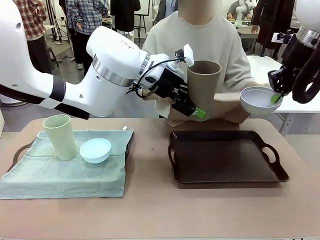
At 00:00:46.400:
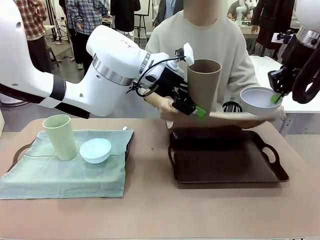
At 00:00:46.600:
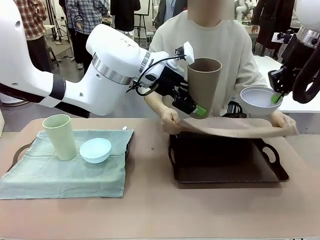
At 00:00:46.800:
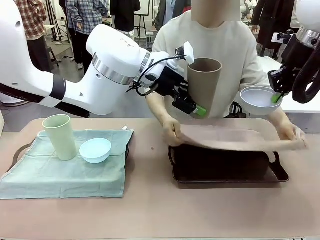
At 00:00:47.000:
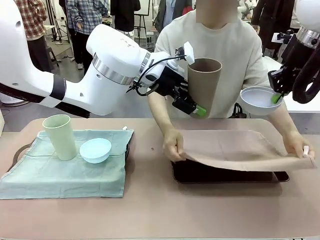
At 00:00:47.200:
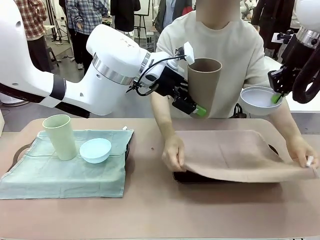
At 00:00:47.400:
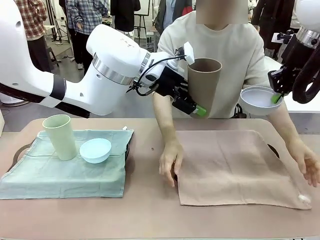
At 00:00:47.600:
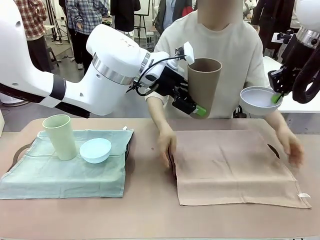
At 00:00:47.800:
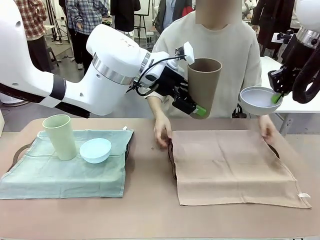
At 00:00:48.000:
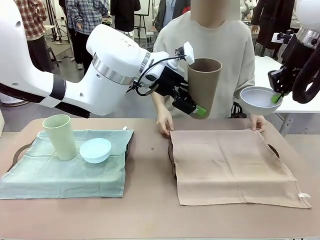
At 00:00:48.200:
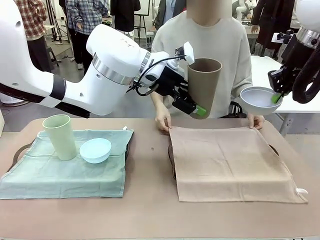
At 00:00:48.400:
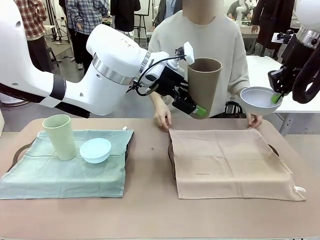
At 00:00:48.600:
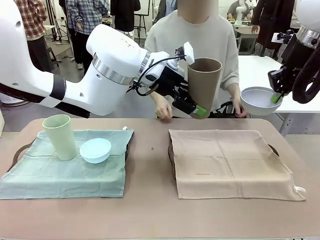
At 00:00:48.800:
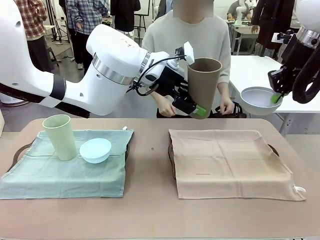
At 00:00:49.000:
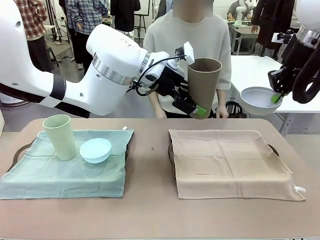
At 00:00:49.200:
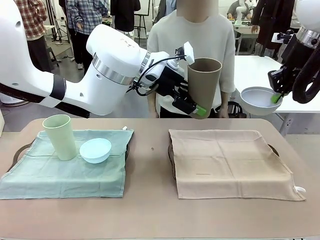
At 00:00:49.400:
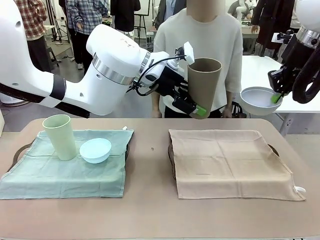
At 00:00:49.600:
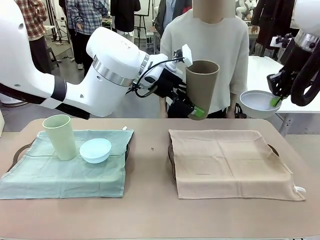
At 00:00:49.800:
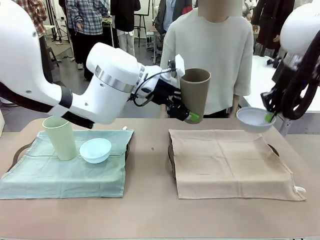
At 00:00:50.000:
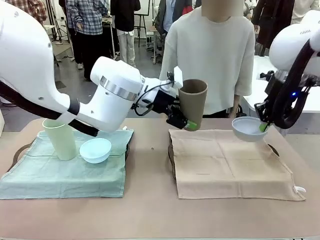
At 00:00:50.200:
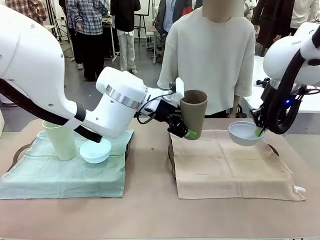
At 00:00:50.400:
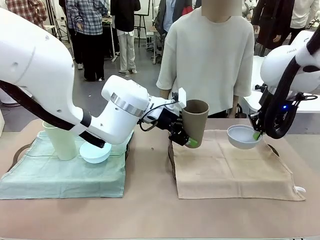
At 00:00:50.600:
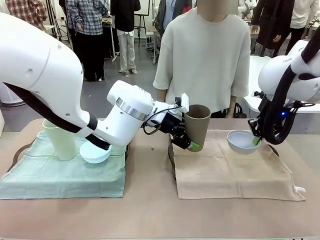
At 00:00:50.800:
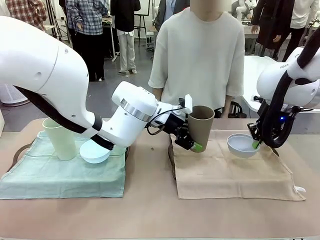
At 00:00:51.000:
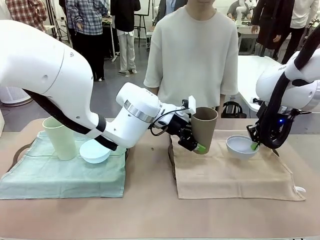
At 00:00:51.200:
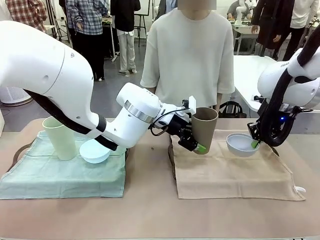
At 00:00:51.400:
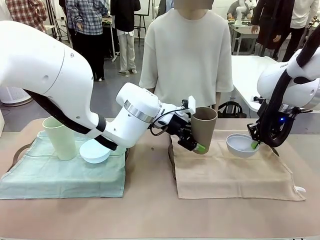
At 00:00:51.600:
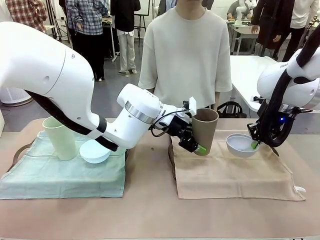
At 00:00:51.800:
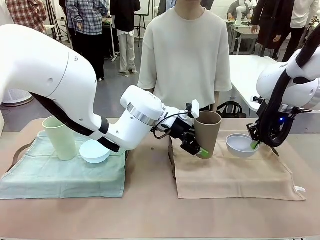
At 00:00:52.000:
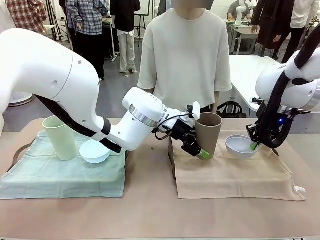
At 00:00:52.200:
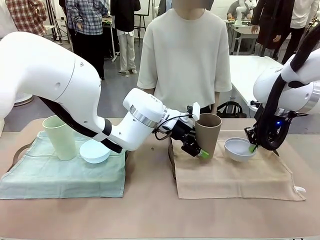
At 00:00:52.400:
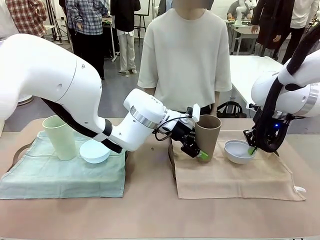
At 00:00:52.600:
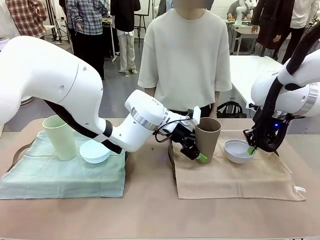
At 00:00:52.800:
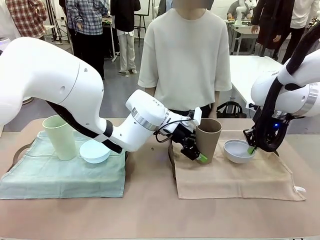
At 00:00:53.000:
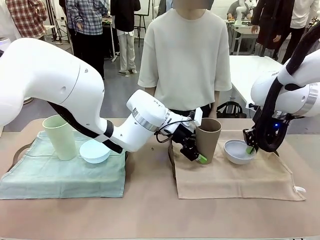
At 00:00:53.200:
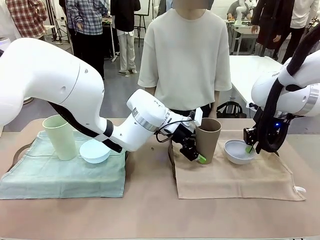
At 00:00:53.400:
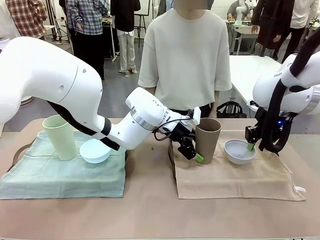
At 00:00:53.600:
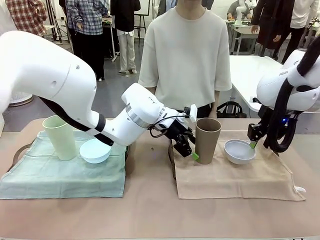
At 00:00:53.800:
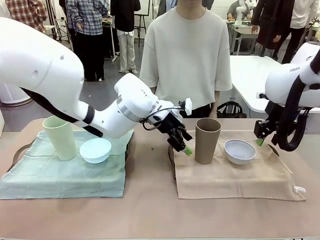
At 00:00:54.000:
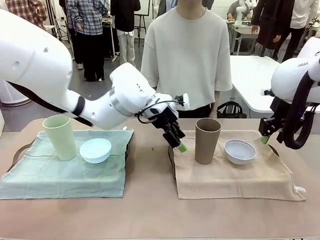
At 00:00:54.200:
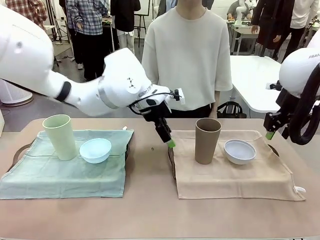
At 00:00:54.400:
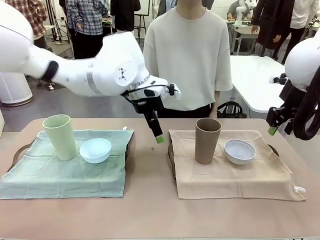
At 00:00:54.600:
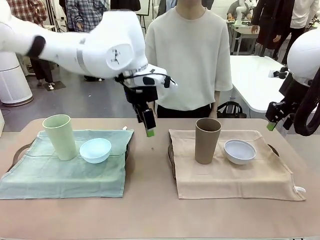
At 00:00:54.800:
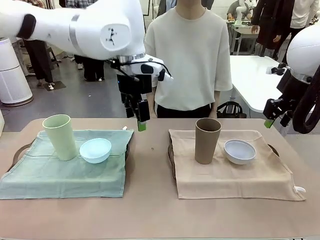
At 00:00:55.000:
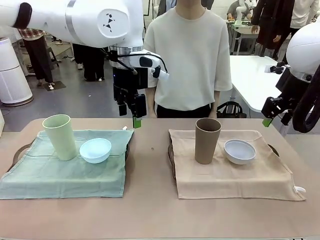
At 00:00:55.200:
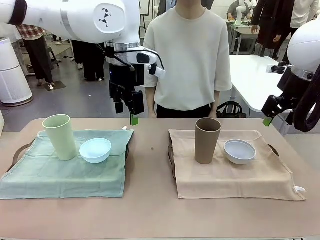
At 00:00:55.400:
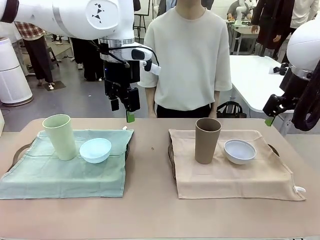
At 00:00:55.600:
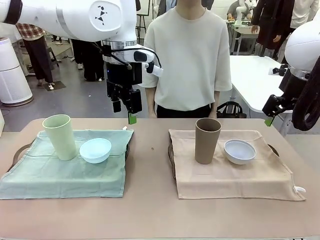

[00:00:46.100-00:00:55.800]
Robot: Place the Picnic Bowl and Reusable plastic cup back onto the Handle tray in front of the human's position.

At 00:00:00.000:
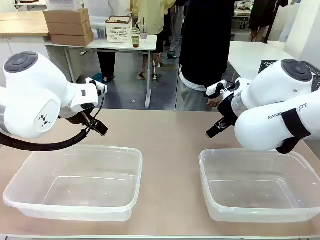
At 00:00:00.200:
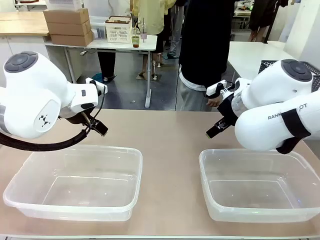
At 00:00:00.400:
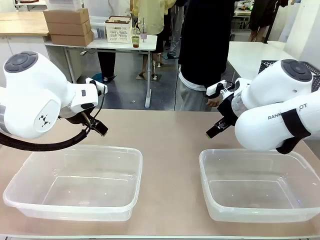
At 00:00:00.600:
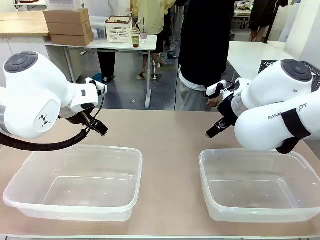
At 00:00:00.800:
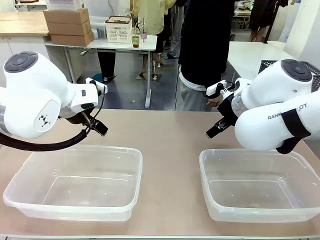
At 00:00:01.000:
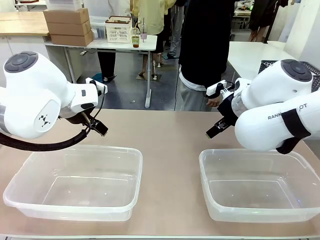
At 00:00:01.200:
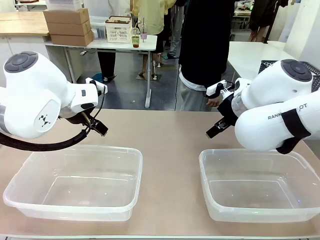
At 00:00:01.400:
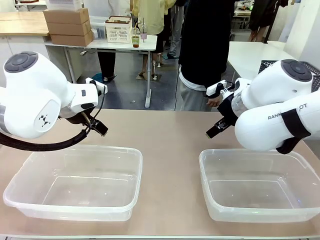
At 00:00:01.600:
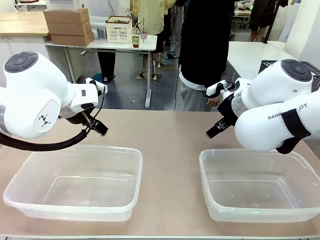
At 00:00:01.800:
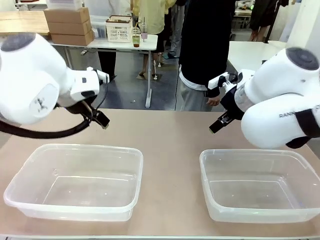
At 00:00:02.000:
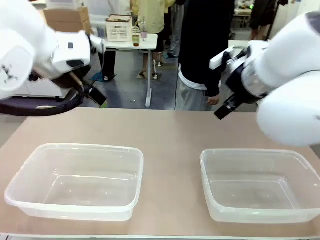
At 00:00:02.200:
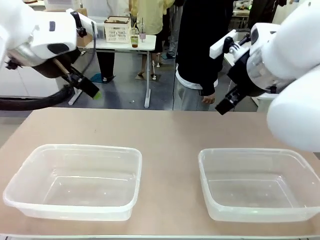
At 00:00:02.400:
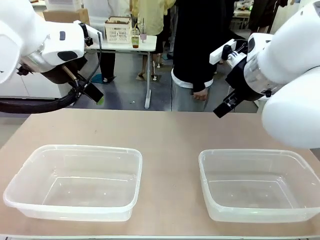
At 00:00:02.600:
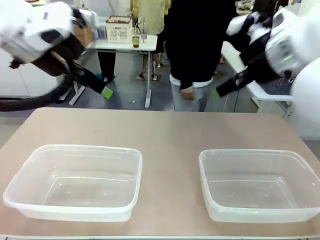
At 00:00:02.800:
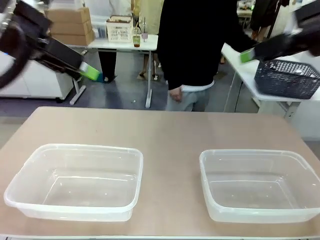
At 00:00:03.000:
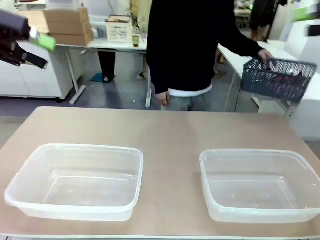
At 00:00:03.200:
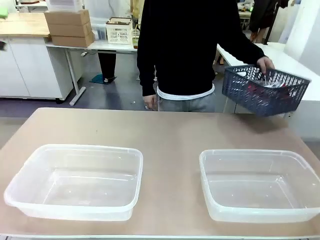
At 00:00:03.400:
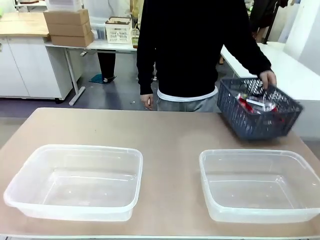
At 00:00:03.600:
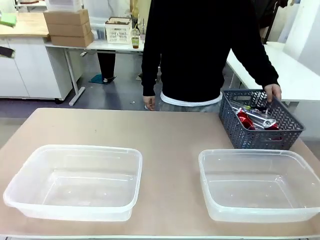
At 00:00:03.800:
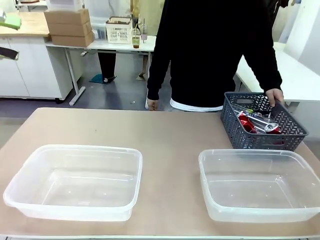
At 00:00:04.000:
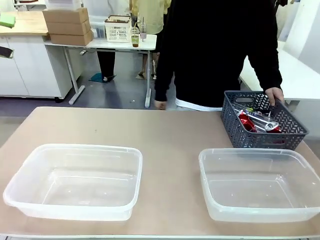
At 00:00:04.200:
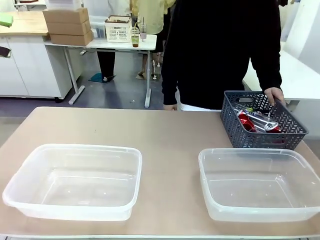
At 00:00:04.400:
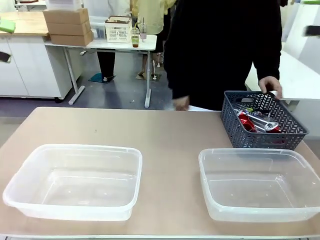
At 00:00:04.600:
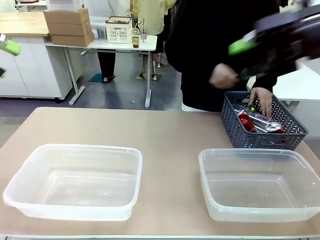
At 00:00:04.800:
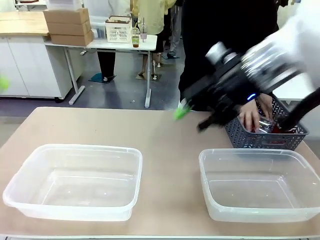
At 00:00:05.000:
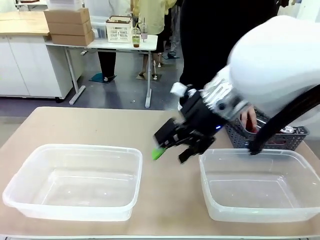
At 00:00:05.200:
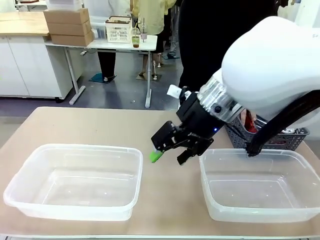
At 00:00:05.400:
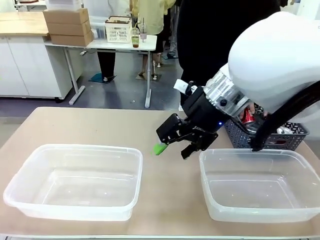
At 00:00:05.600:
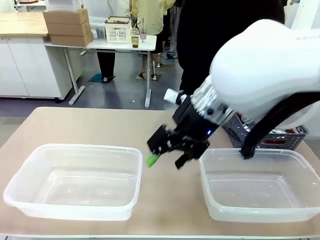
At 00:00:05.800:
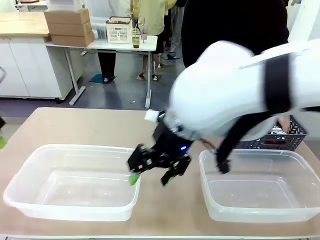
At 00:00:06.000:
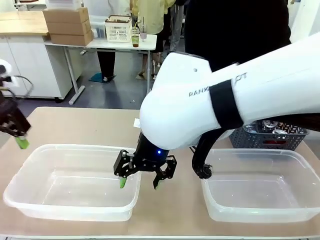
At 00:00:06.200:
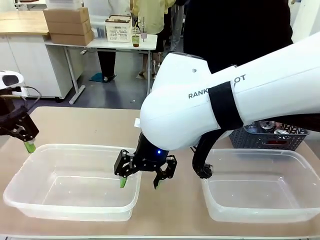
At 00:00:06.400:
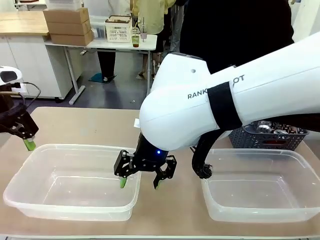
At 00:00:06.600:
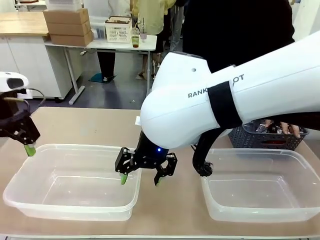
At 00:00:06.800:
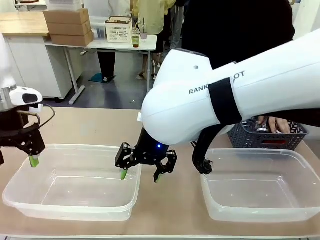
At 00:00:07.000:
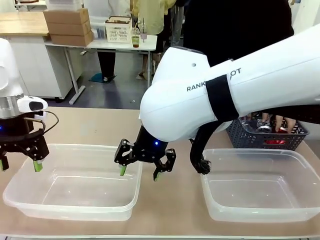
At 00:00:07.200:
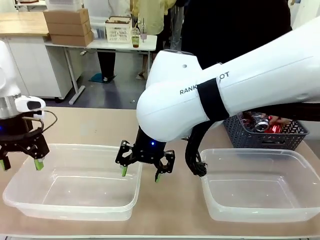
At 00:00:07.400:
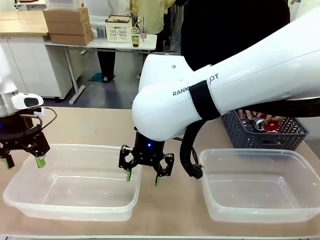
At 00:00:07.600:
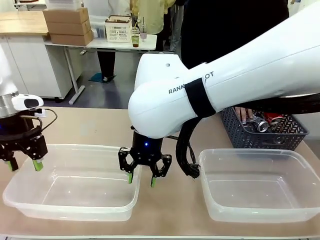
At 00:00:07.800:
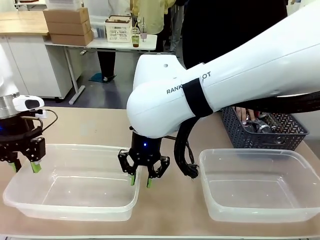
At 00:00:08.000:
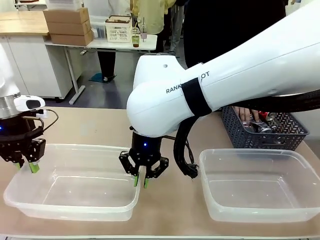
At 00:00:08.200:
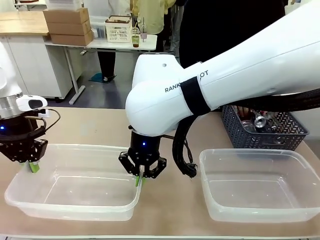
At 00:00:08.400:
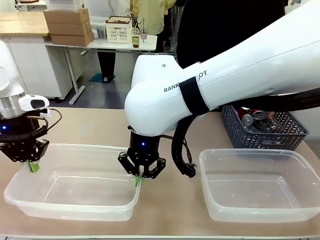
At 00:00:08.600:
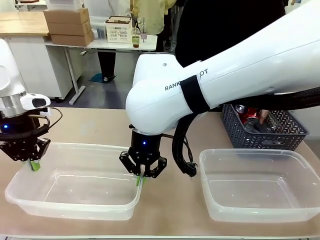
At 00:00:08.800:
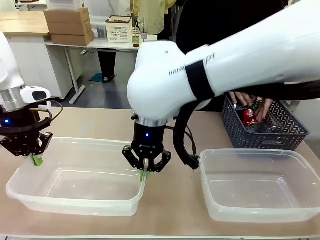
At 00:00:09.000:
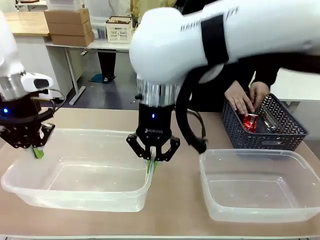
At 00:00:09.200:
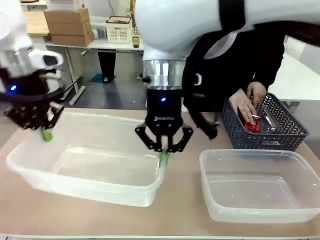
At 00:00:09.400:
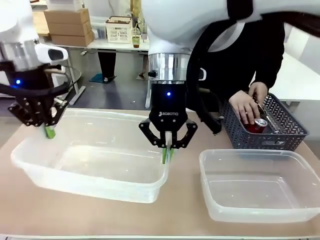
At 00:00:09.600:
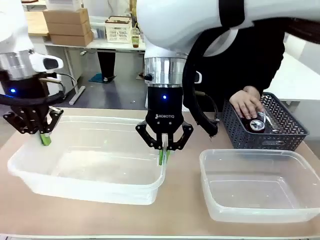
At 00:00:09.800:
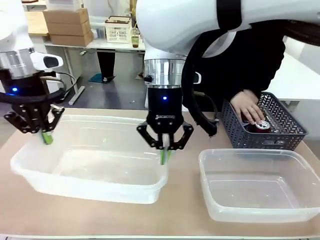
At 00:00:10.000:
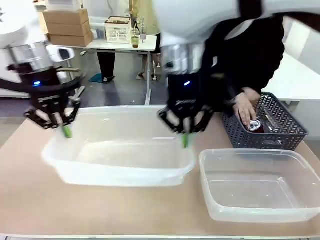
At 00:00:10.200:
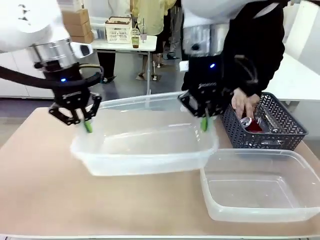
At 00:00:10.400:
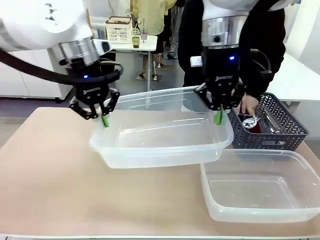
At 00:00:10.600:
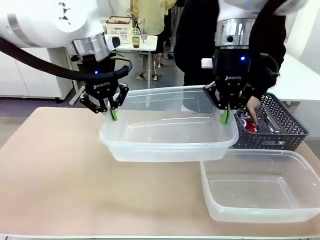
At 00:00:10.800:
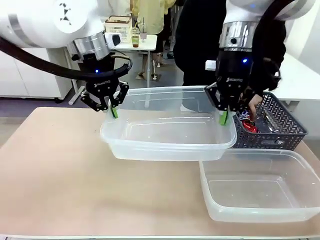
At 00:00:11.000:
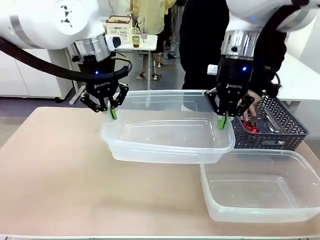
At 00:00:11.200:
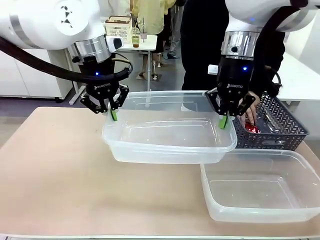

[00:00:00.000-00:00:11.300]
Robot: Pick up the Organizing box on the left side of the table and lift it.
Person: Pick up the storage basket and place it on the left side of the robot table. Pick up can-shaped waste one by one and place it into the organizing box lifted by the robot.
